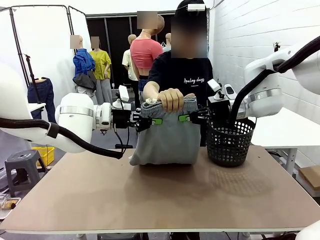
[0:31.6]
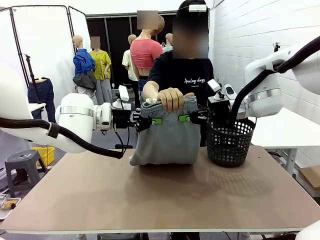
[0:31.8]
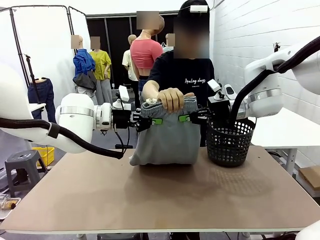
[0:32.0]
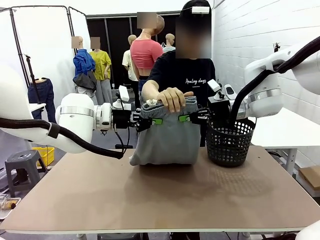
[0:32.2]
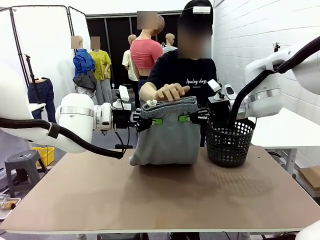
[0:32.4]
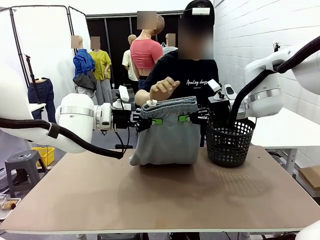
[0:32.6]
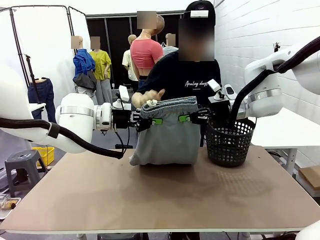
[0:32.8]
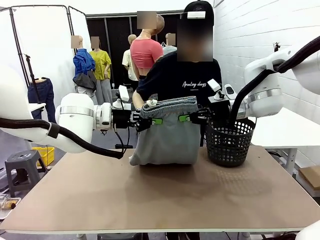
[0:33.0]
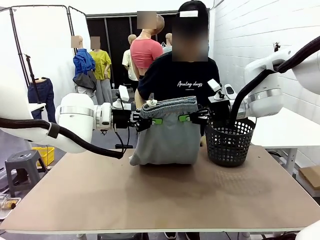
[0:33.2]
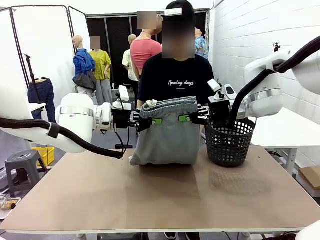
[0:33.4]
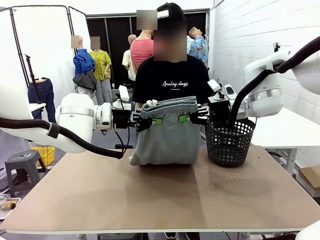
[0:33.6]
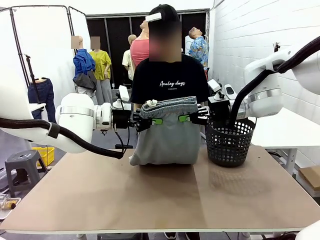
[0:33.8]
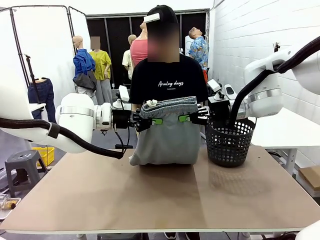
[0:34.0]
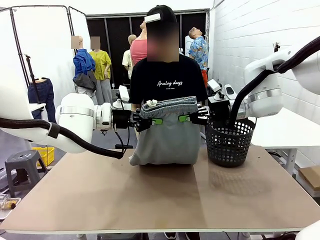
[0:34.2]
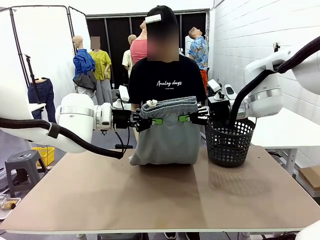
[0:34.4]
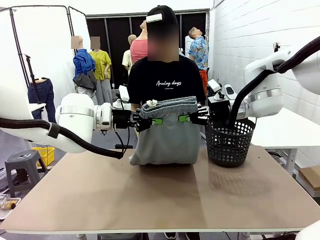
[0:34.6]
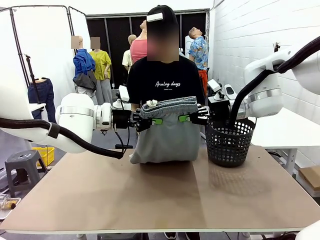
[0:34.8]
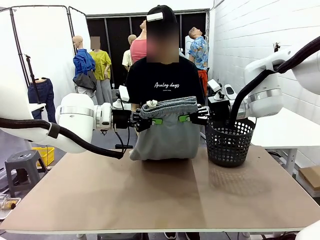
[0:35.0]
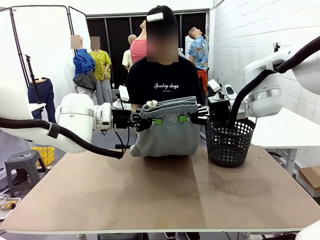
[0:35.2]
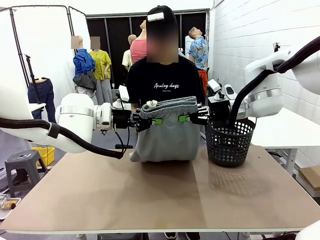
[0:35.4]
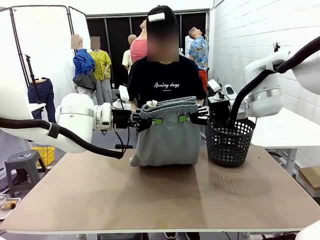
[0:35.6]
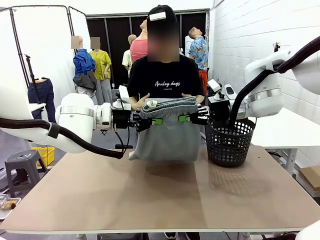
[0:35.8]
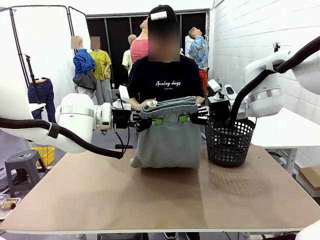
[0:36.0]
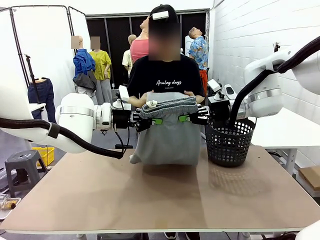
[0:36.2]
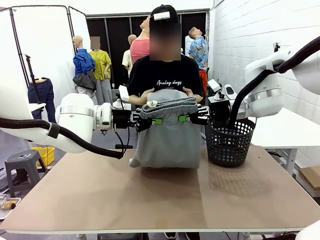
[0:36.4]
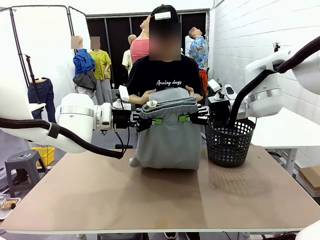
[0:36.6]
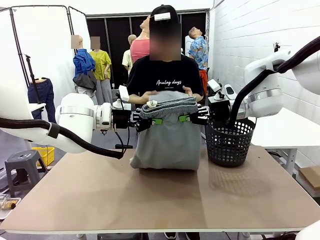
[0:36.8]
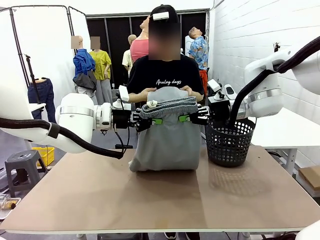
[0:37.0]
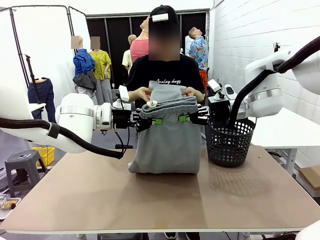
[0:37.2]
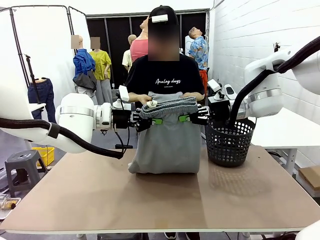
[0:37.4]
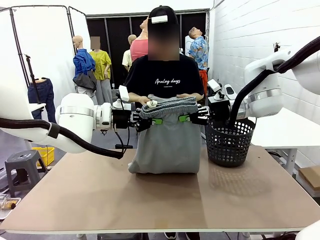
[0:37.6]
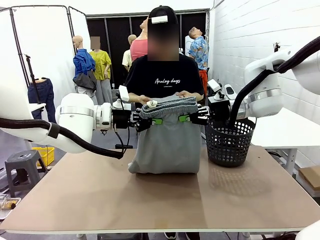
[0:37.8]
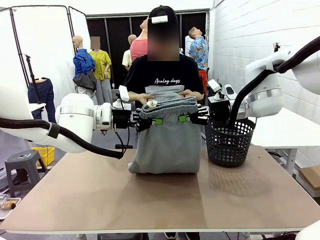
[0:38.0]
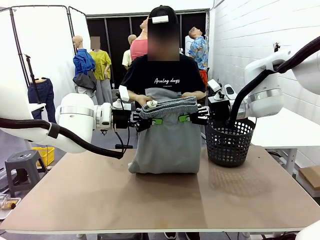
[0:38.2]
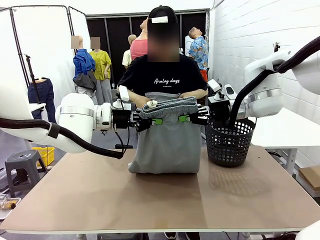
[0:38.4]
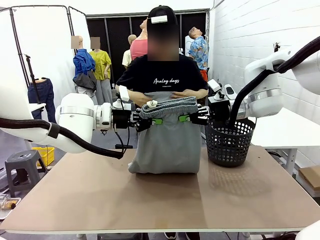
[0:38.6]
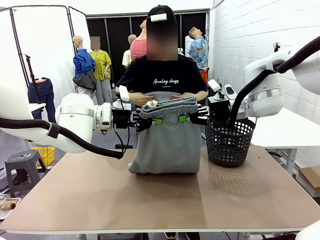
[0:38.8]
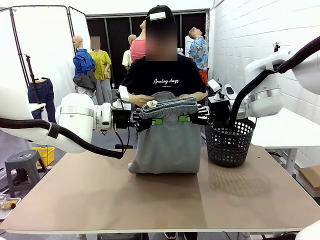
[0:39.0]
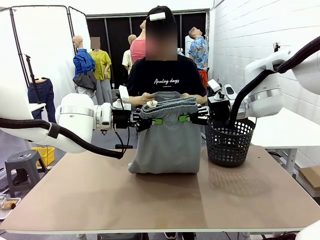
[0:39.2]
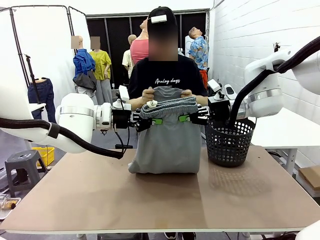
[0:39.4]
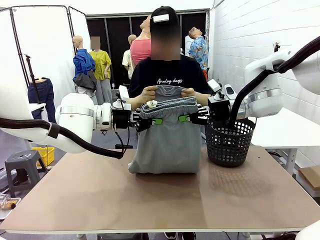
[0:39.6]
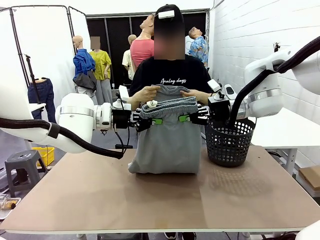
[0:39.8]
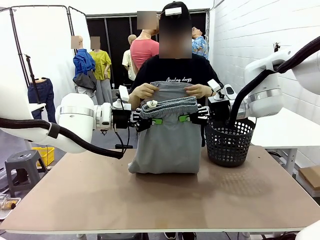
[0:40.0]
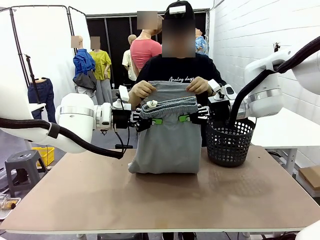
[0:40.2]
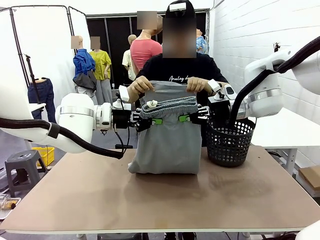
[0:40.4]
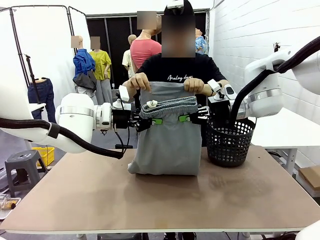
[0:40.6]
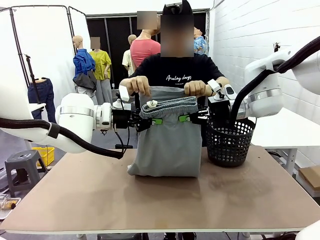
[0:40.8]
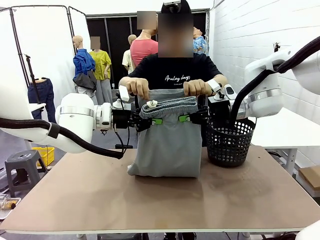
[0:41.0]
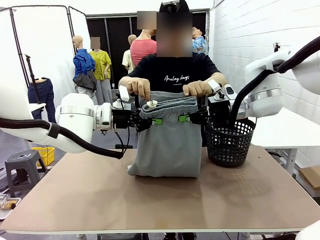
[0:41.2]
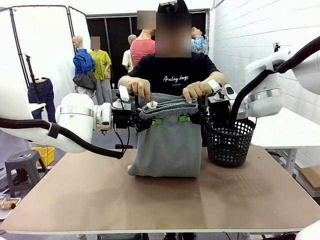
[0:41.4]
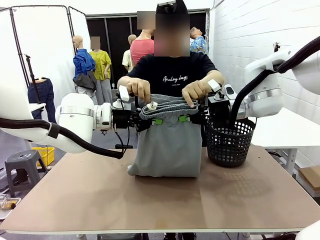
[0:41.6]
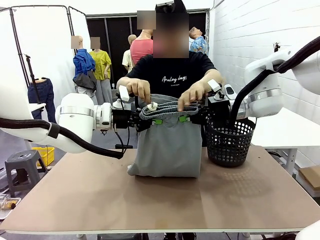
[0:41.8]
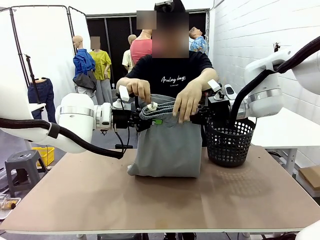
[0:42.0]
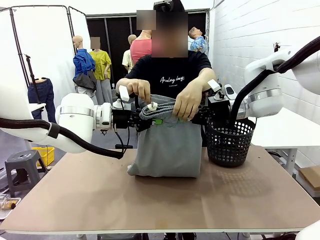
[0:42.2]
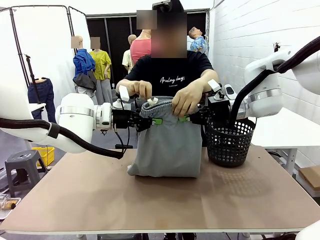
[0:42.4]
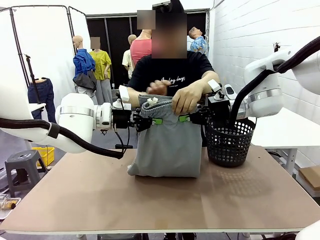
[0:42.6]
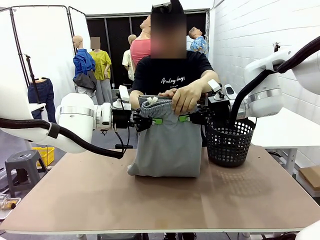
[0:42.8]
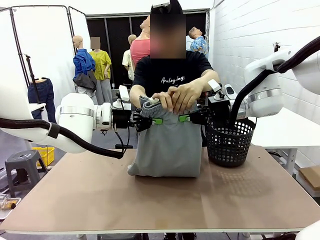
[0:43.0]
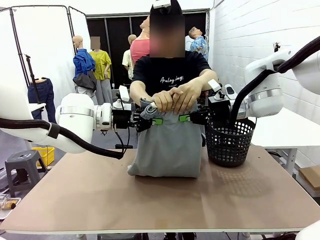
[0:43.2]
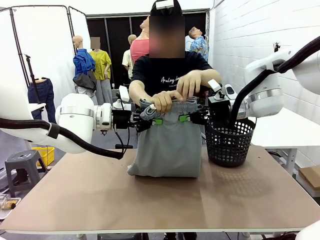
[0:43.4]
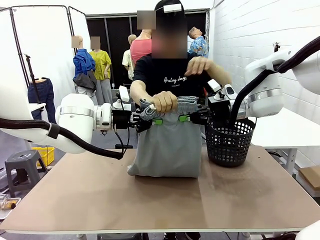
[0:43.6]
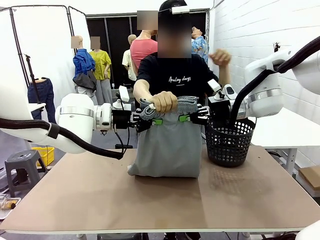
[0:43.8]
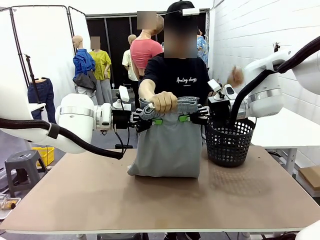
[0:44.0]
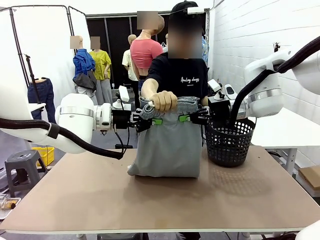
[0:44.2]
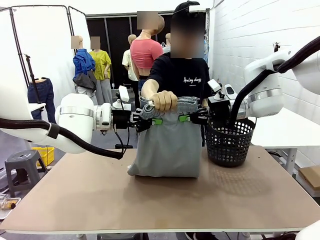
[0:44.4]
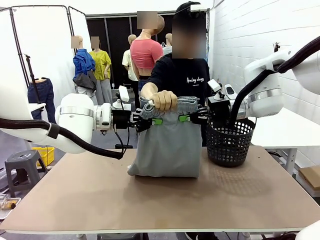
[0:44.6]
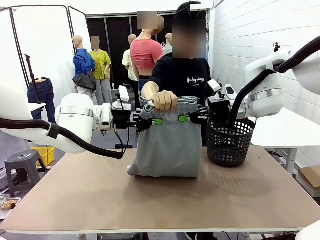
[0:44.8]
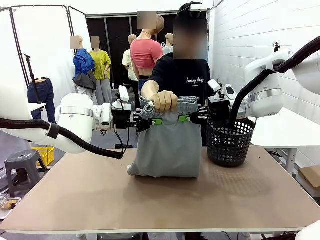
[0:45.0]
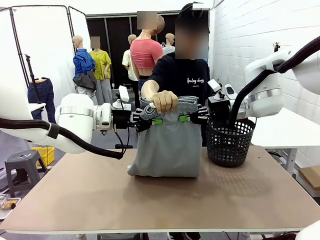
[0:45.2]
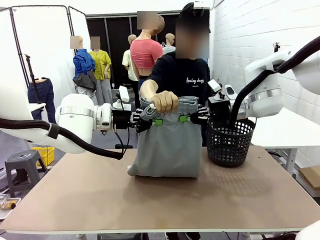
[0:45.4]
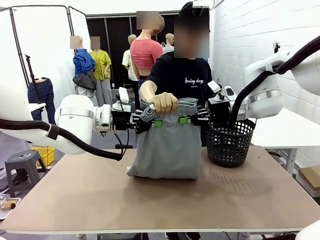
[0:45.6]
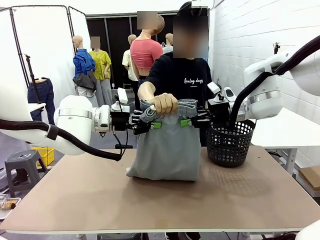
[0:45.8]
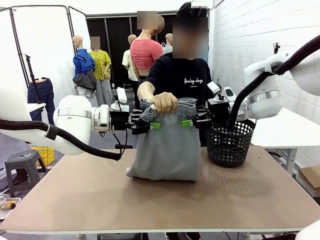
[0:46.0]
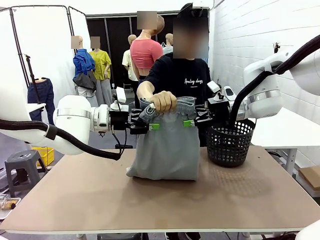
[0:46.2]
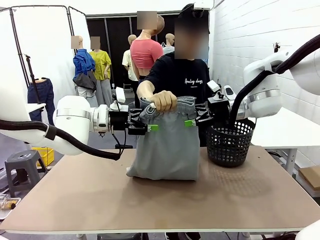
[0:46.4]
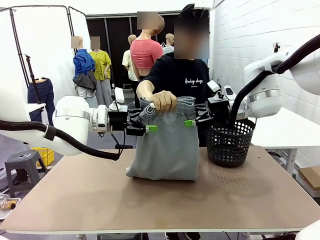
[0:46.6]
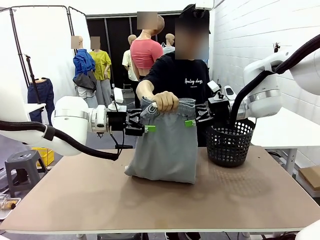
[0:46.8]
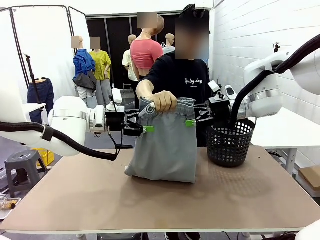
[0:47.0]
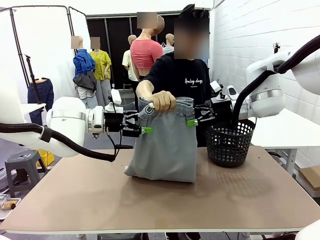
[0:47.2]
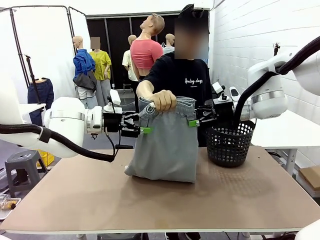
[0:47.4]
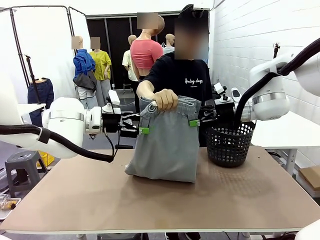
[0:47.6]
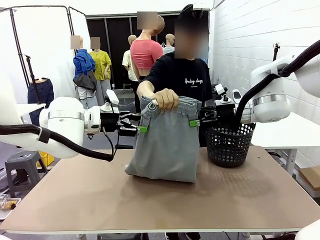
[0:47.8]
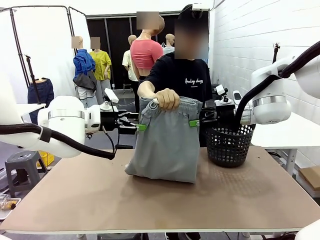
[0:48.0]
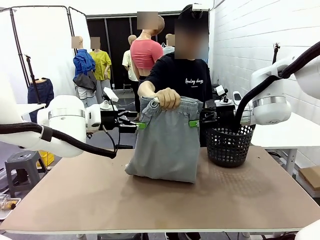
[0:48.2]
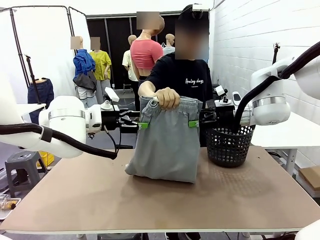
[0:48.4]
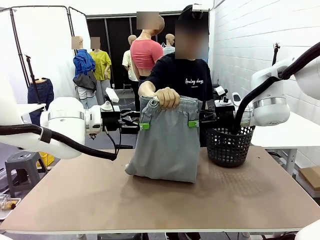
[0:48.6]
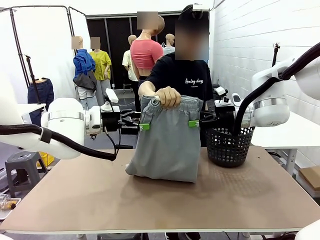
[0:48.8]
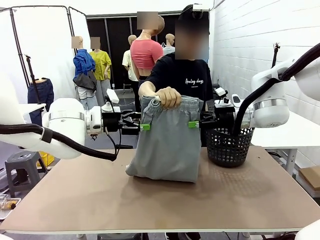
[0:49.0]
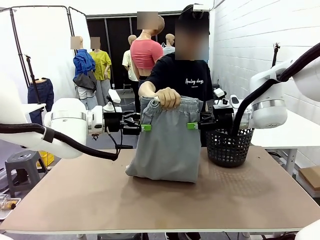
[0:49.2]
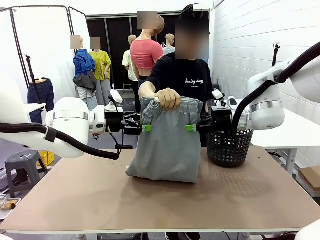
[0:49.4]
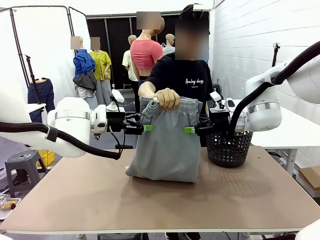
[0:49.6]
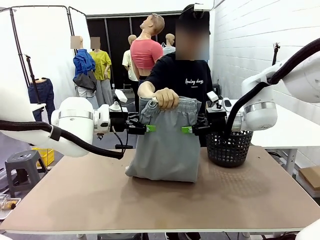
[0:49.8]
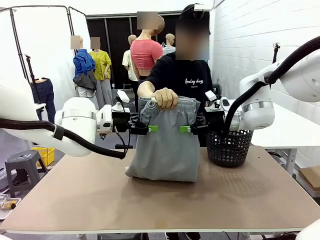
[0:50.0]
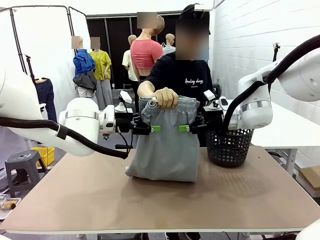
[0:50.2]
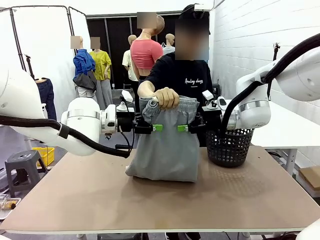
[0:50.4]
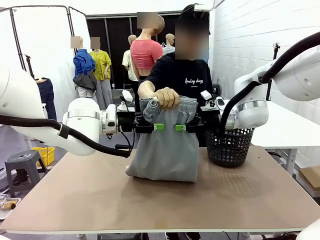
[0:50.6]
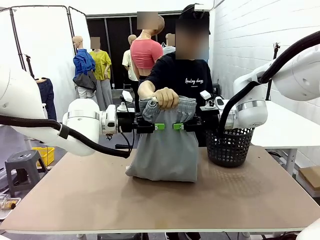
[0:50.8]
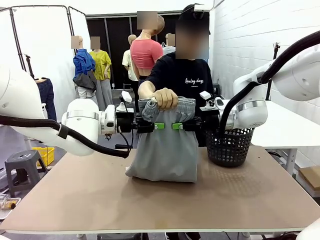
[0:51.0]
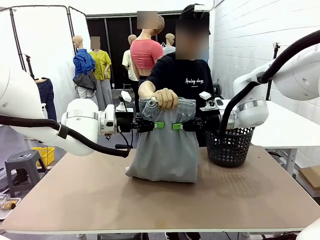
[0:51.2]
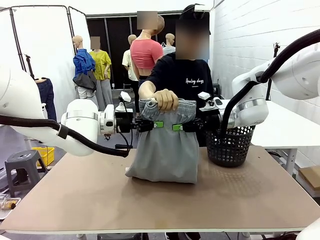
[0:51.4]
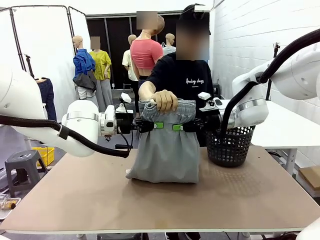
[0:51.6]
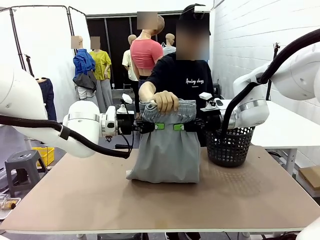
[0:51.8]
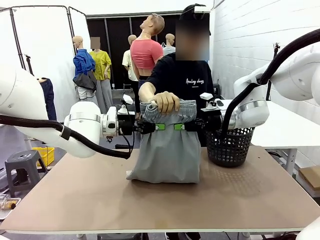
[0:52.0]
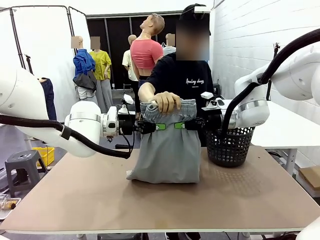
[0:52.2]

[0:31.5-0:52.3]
Task: Fold the training pants.
Robot: Release the ends of the Training pants and then grab the overlapped ends.
Person: Grasp the end opposite the point the robot is holding, fold the pants in half, and then grasp the overlapping top end of the folded pants. Release the pants you were holding.
